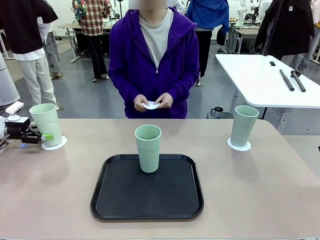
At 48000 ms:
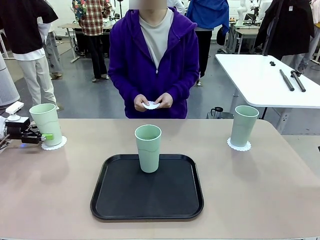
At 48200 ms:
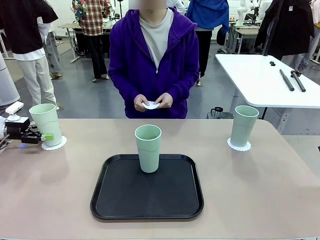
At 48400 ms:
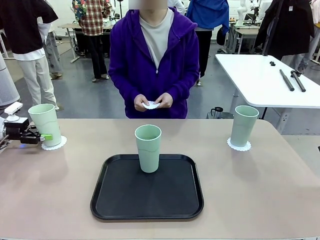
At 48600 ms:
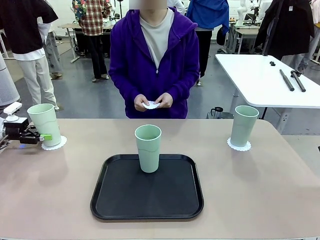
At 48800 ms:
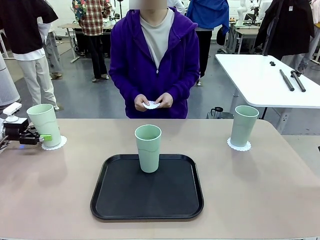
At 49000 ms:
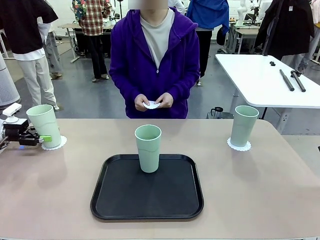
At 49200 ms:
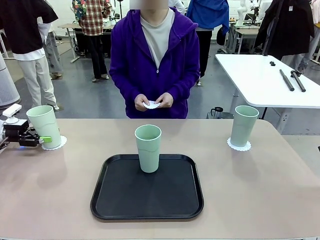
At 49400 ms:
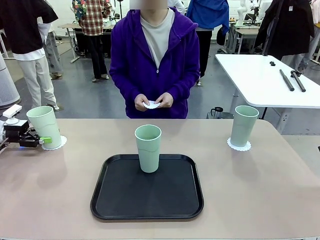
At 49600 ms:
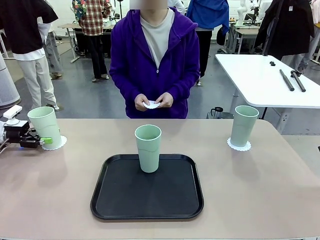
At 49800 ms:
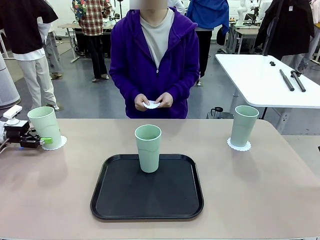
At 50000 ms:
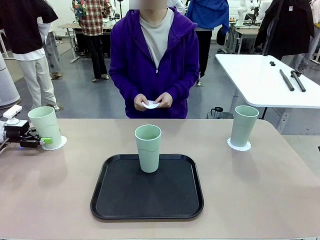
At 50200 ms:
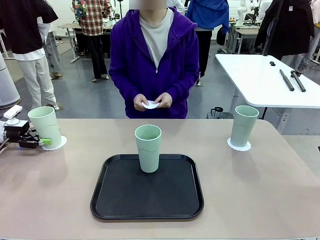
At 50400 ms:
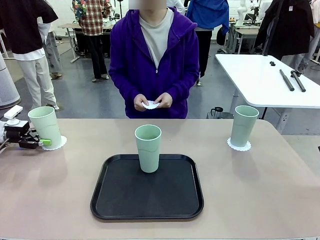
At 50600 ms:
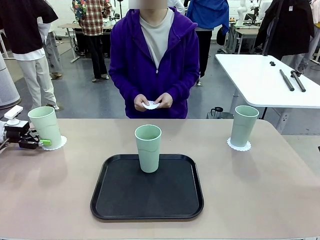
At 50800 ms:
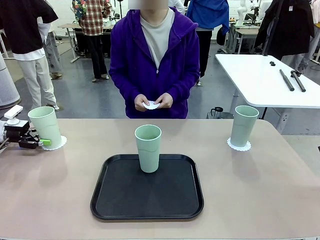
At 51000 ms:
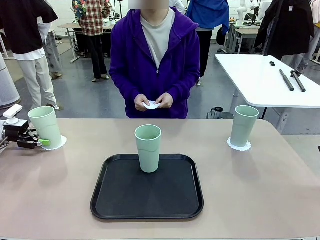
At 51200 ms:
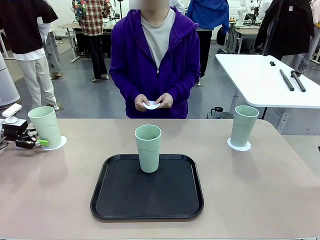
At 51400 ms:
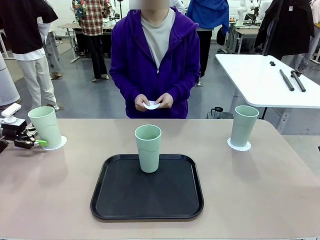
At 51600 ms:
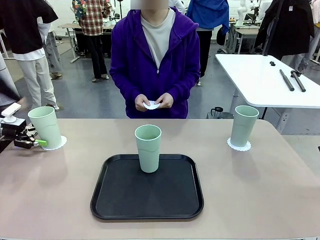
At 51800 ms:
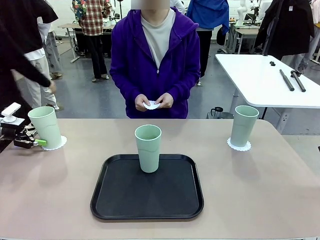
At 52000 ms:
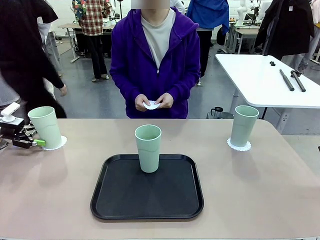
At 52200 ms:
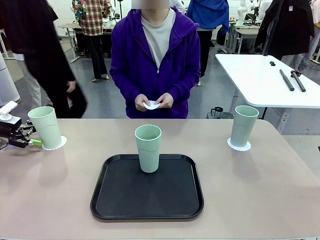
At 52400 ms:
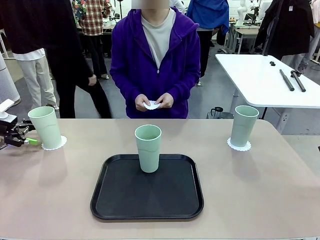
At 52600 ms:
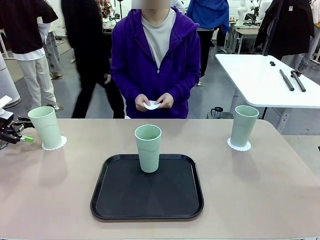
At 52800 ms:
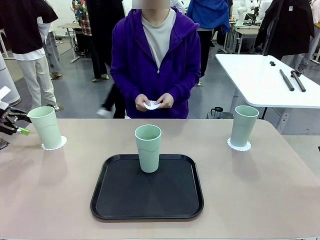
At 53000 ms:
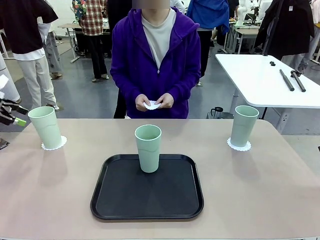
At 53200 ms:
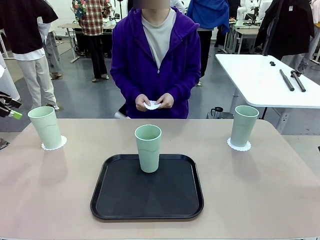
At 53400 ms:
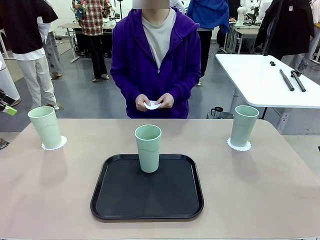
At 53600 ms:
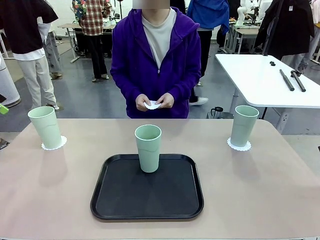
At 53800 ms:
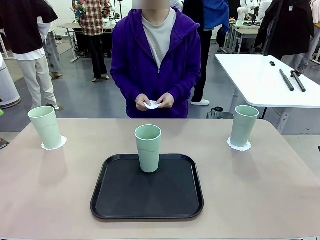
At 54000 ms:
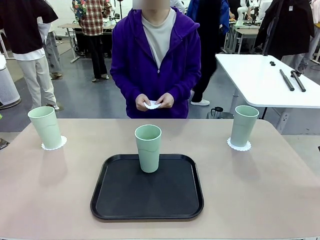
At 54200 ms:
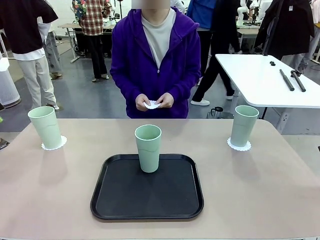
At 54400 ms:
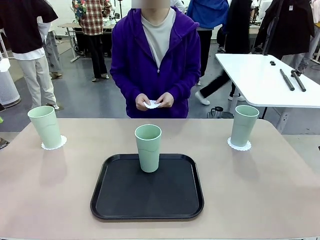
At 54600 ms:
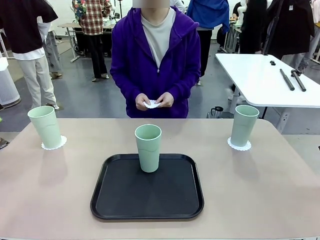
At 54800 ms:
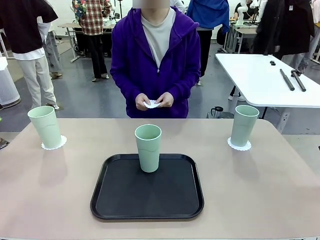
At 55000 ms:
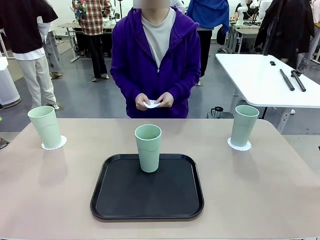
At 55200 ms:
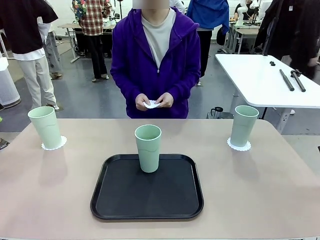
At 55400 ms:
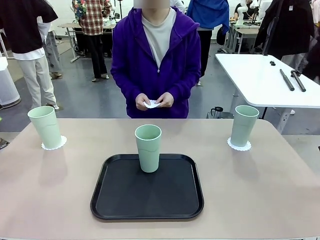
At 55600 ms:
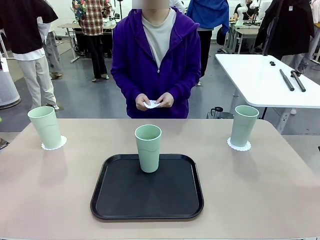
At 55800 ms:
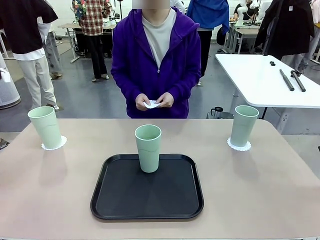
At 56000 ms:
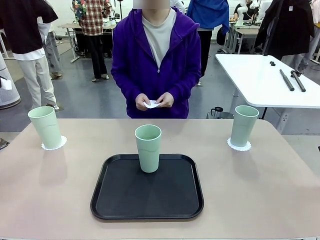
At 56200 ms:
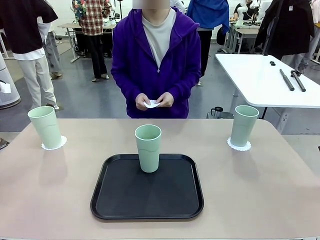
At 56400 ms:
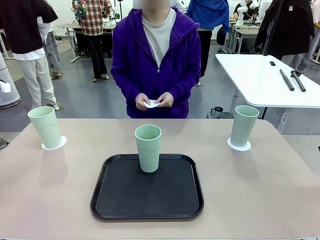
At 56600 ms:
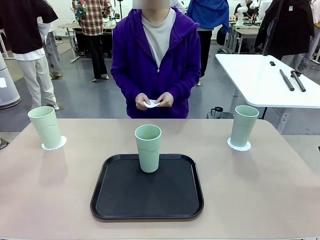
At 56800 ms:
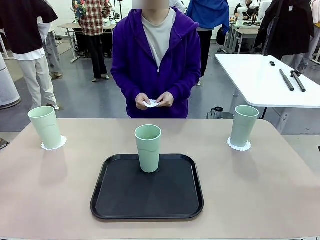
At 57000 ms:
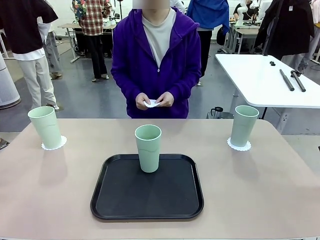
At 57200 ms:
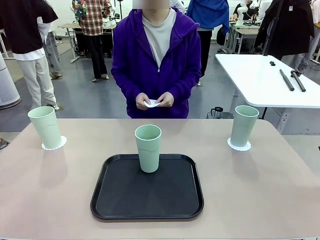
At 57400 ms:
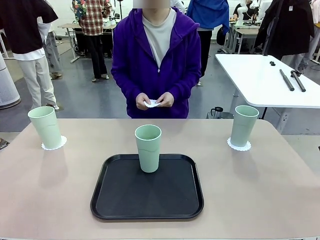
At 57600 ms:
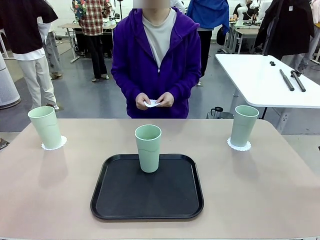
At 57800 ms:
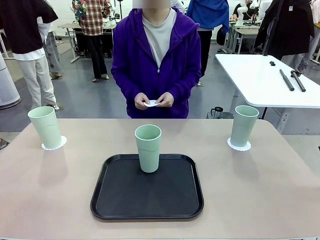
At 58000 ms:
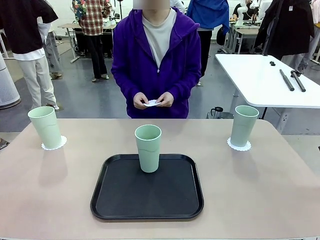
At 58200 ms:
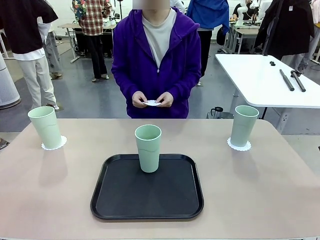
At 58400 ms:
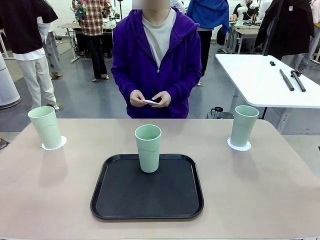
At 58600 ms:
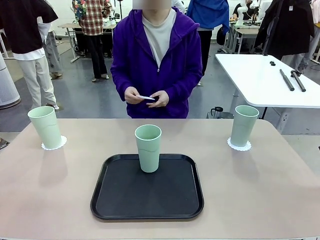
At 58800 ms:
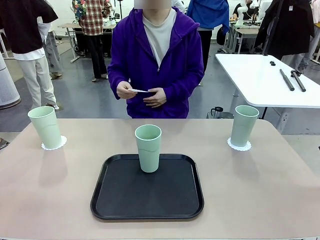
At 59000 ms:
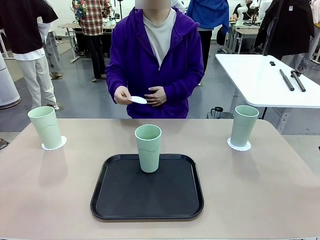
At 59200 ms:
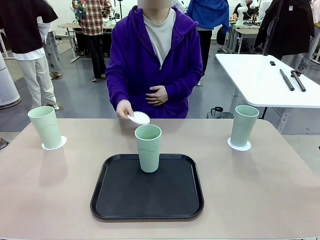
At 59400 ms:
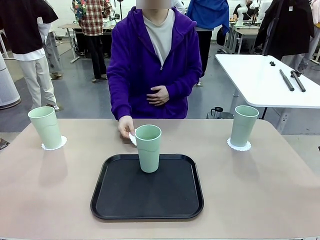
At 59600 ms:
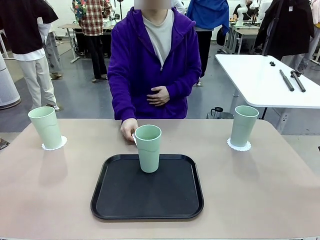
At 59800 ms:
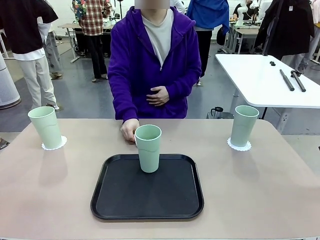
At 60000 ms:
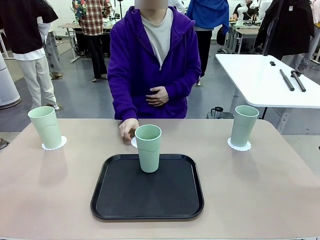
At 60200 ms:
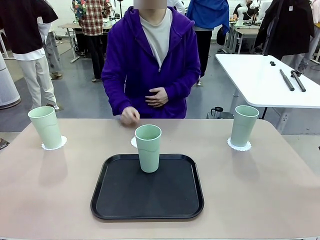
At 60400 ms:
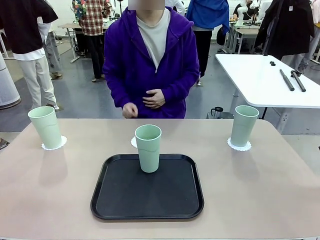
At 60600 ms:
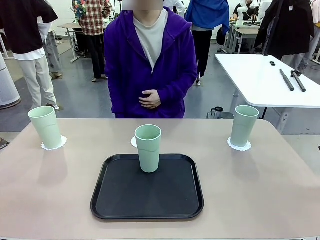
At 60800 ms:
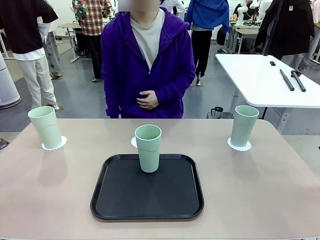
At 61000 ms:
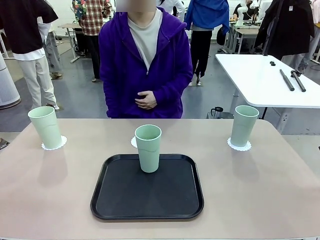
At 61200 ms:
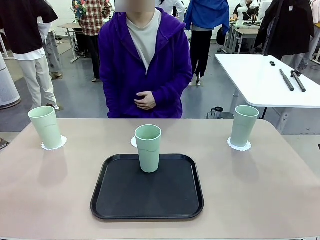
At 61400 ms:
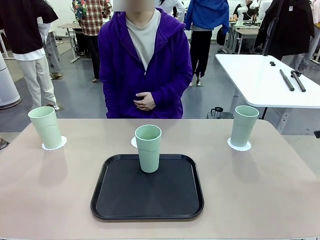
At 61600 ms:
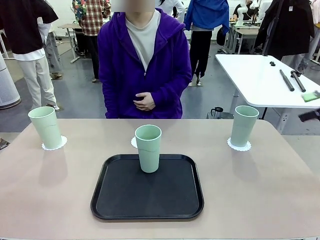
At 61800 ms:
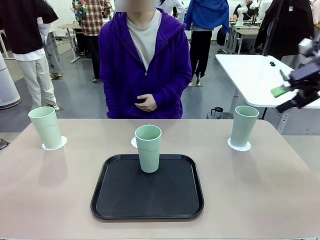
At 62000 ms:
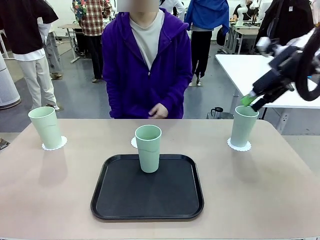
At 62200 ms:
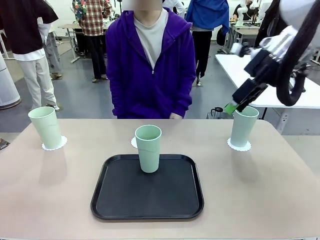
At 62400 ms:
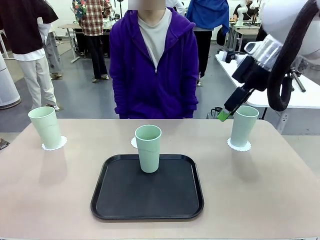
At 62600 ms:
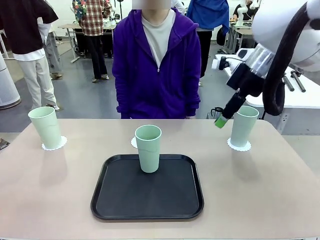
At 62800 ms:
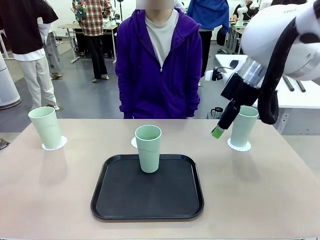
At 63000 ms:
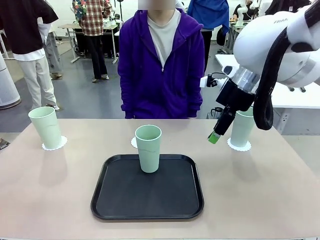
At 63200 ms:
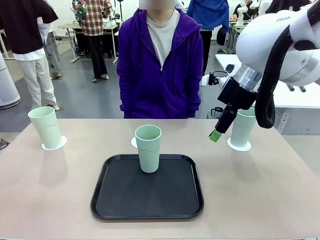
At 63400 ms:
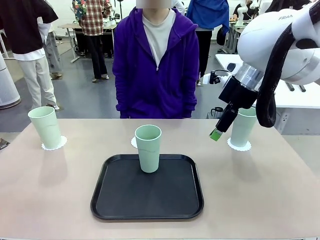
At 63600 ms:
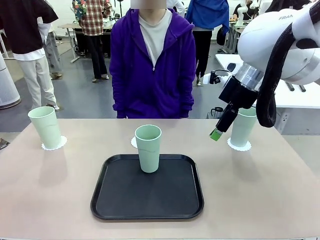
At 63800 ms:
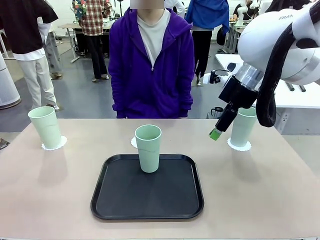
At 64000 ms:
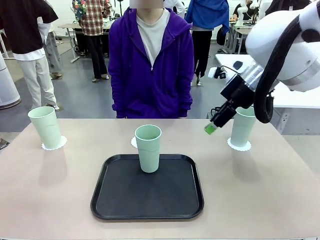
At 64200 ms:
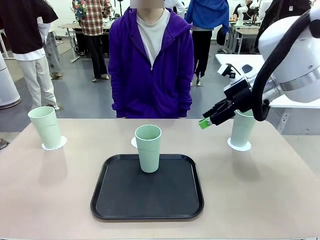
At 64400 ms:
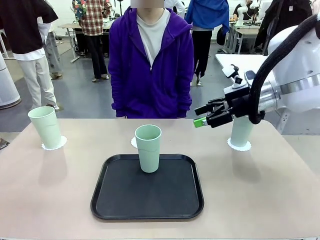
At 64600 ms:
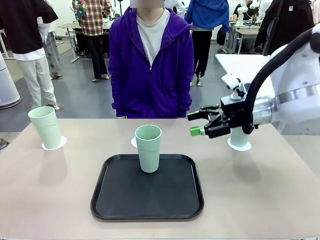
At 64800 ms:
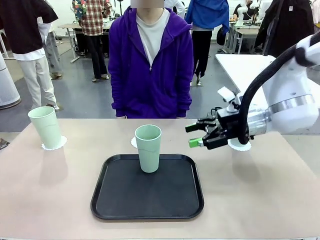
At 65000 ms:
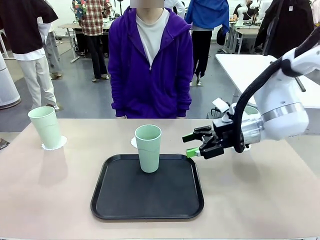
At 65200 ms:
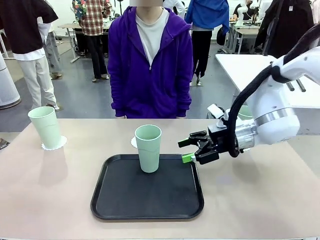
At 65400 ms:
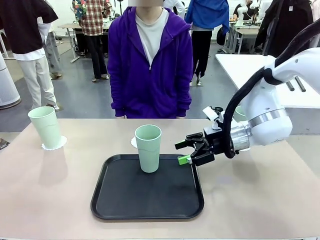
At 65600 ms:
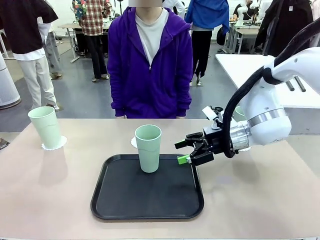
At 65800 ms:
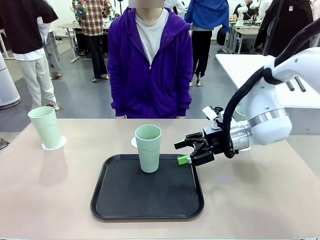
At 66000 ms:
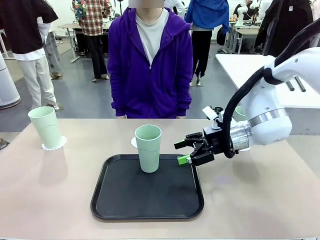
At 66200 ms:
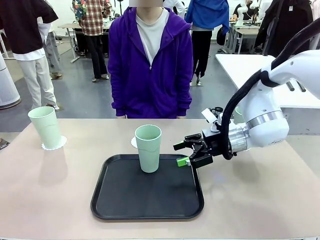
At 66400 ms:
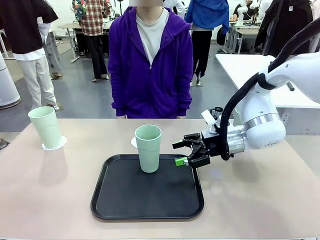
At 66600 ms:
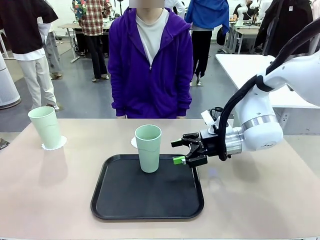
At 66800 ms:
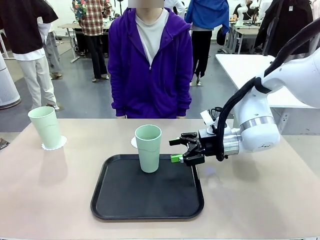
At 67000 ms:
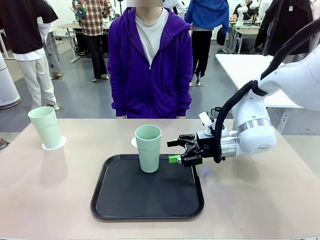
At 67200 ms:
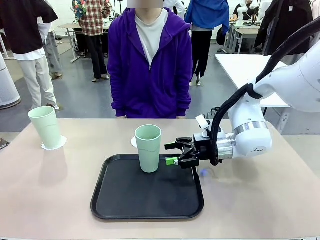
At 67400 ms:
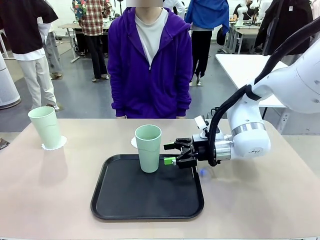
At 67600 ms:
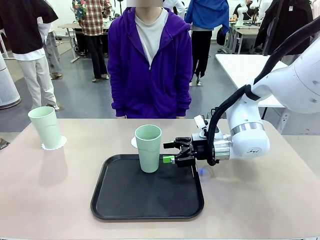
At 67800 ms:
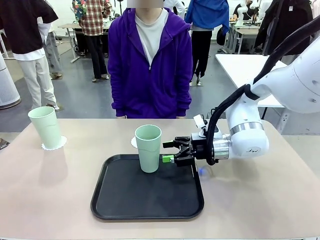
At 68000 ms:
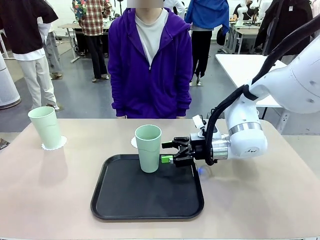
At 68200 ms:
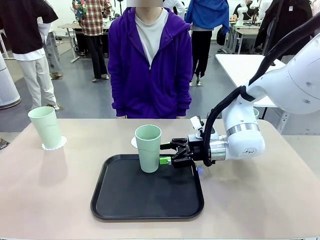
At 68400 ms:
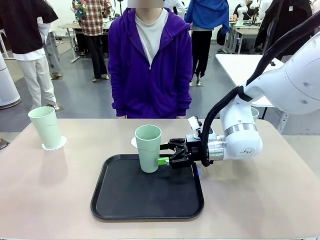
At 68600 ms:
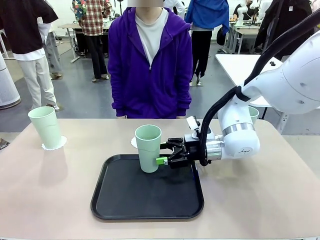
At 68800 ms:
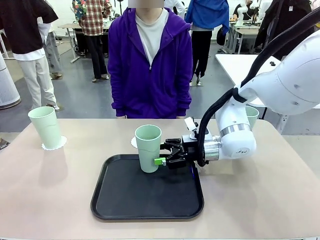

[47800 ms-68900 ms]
Task: Place coasters on the table and set cups on them.
Robot: Take one Reusable plastic cup from the Flat Tray and place it on a coaster set by the human.
